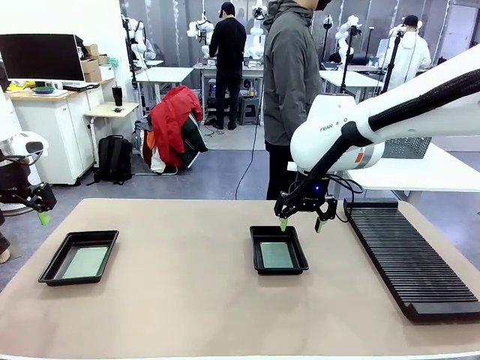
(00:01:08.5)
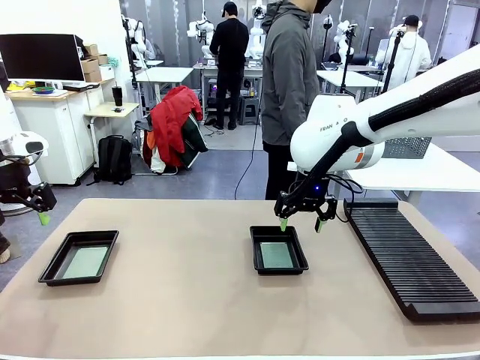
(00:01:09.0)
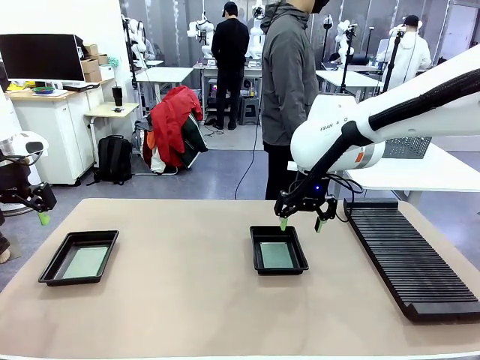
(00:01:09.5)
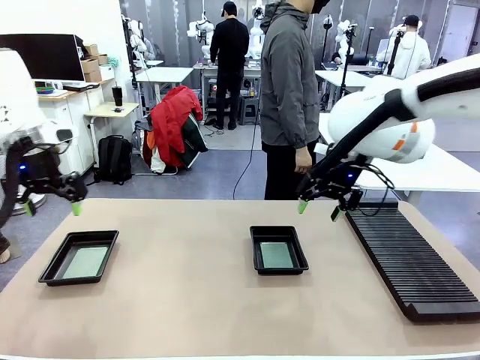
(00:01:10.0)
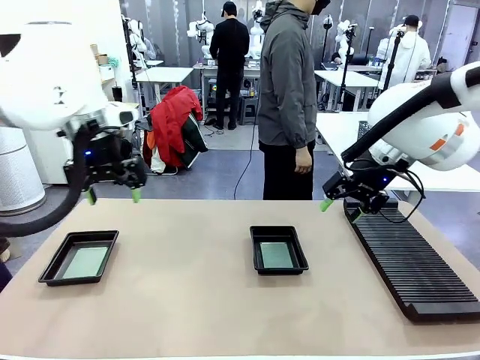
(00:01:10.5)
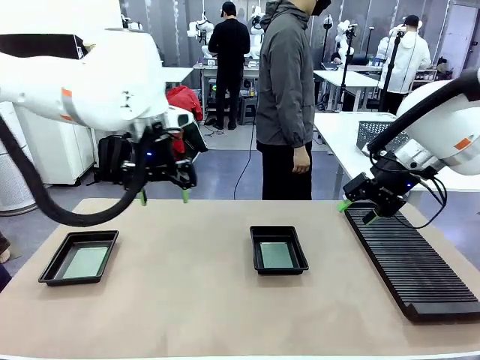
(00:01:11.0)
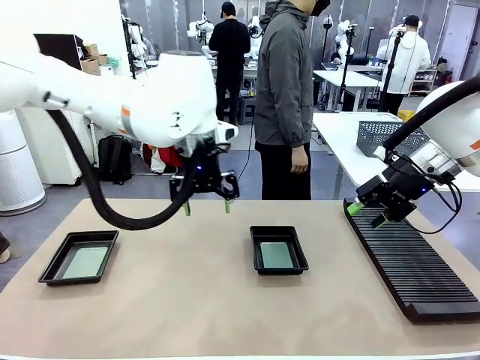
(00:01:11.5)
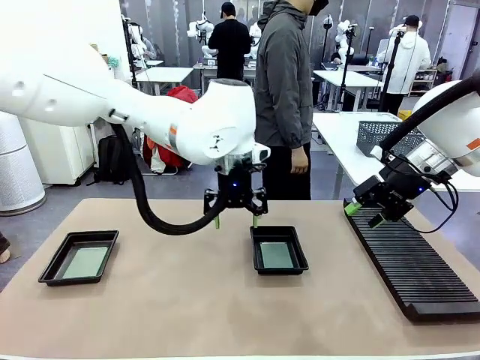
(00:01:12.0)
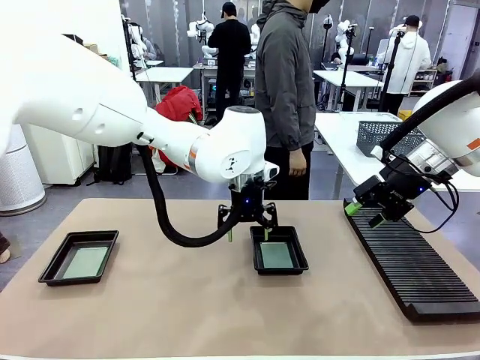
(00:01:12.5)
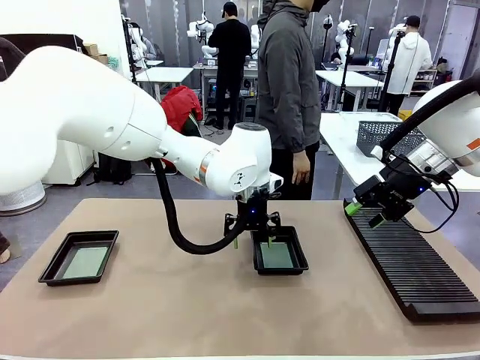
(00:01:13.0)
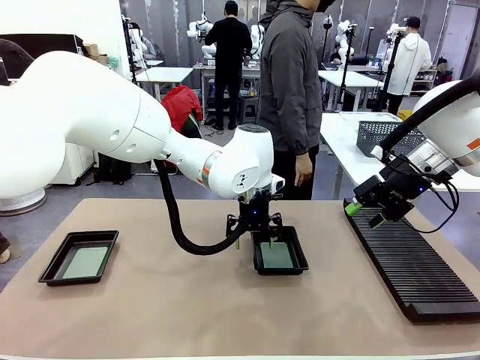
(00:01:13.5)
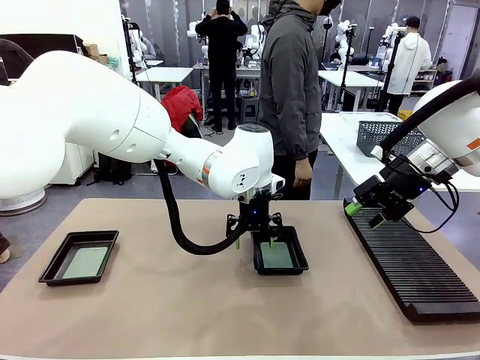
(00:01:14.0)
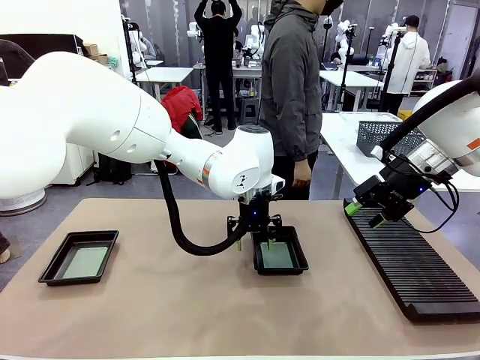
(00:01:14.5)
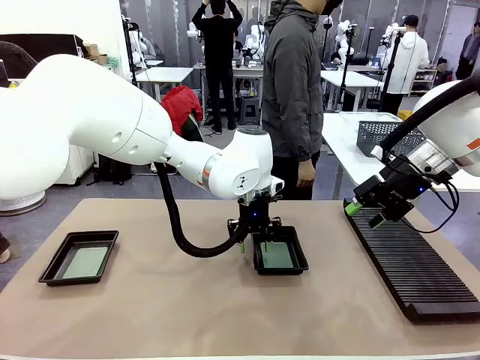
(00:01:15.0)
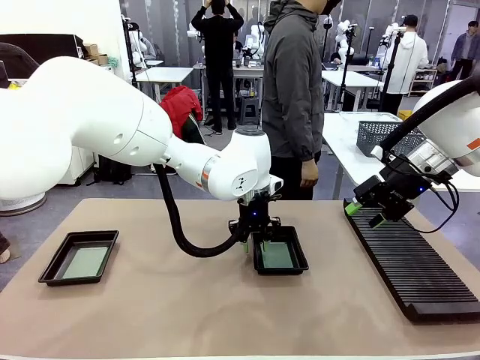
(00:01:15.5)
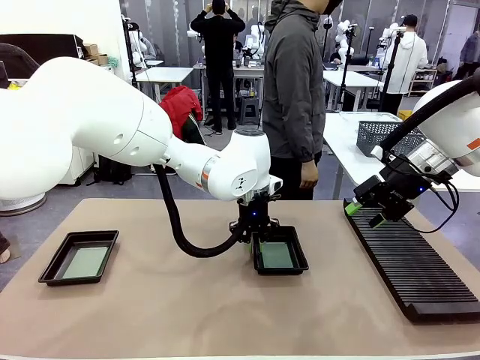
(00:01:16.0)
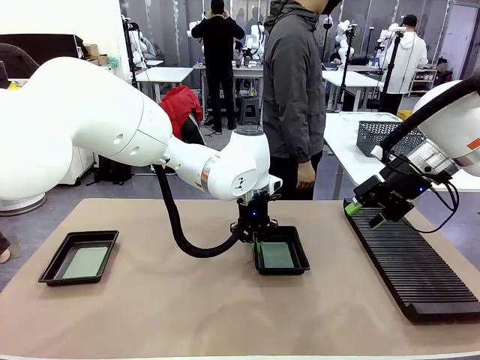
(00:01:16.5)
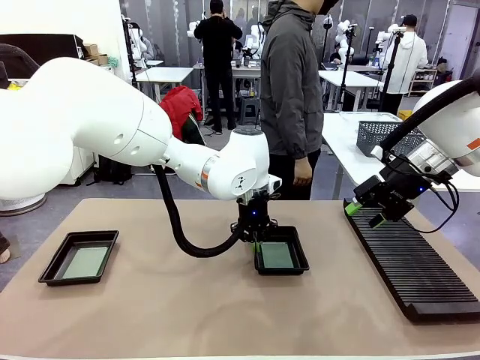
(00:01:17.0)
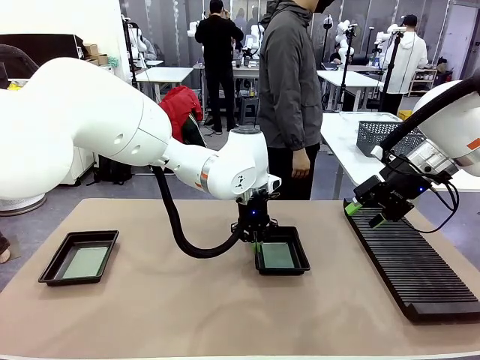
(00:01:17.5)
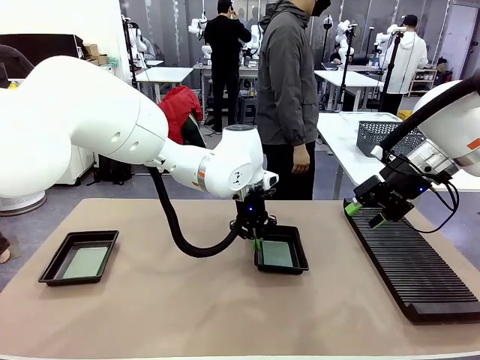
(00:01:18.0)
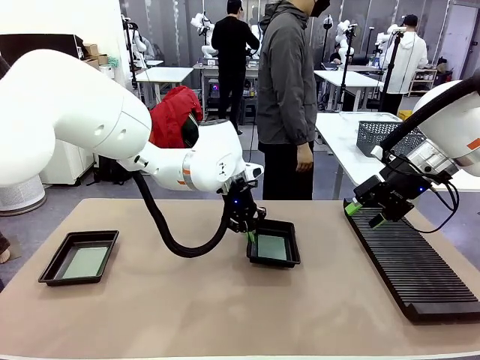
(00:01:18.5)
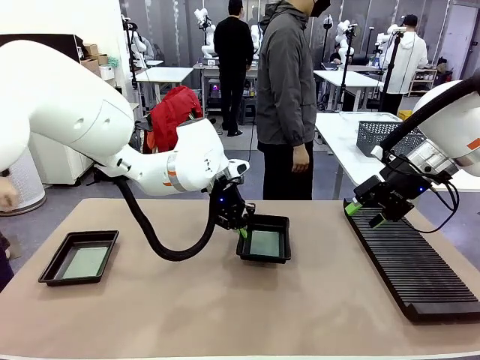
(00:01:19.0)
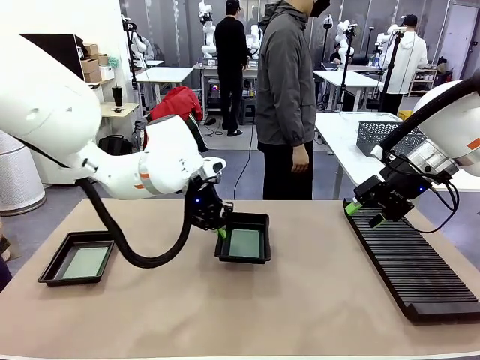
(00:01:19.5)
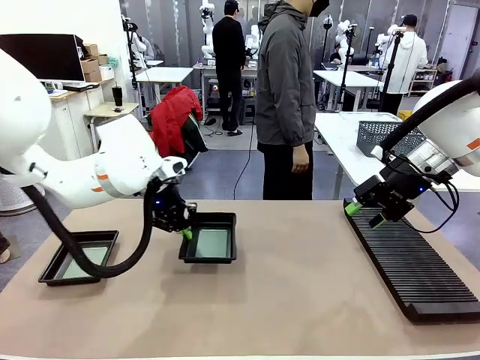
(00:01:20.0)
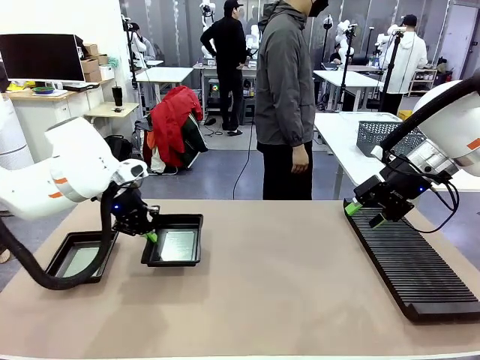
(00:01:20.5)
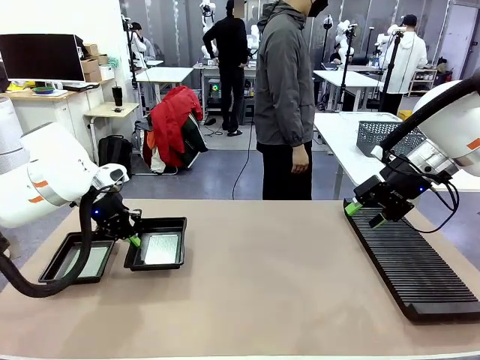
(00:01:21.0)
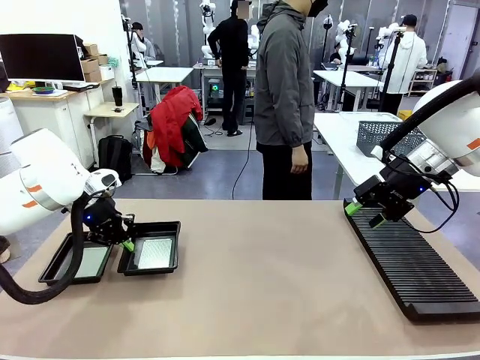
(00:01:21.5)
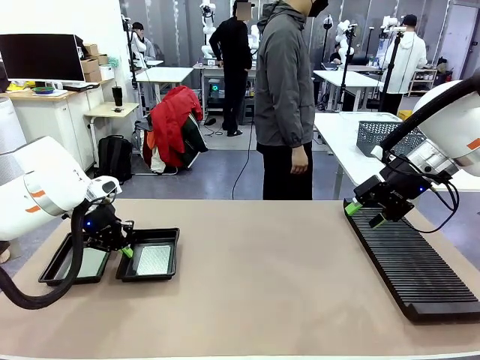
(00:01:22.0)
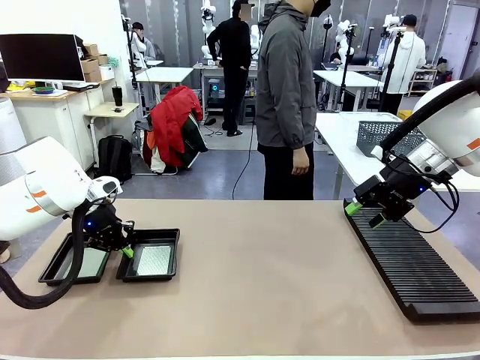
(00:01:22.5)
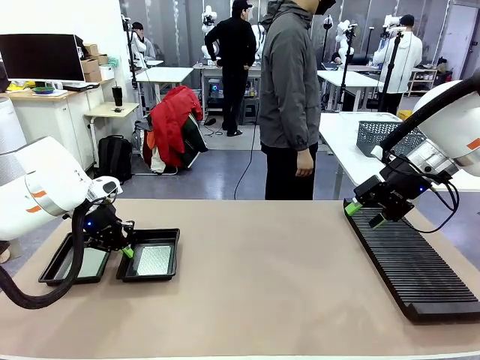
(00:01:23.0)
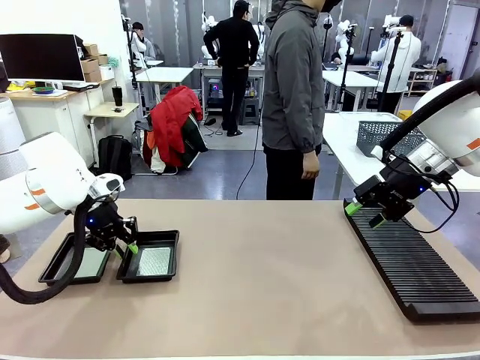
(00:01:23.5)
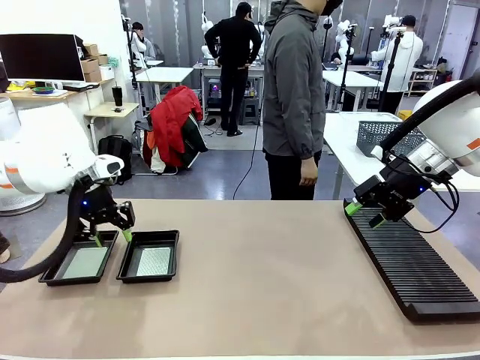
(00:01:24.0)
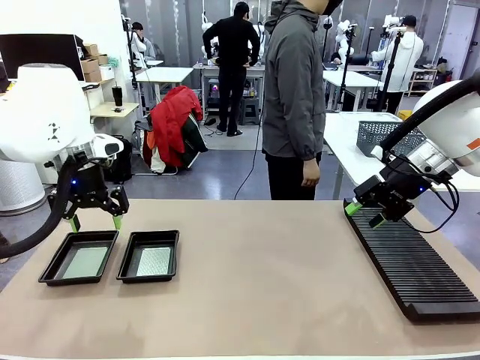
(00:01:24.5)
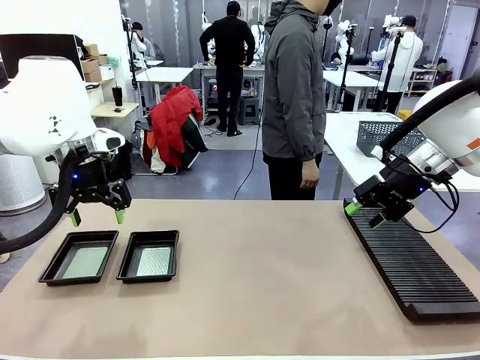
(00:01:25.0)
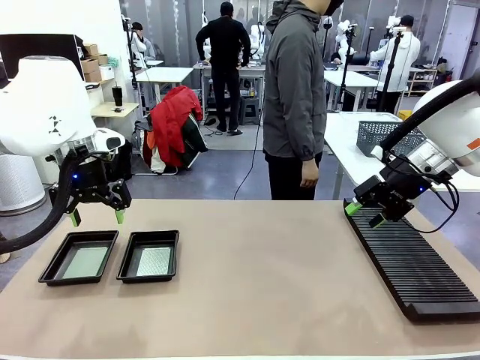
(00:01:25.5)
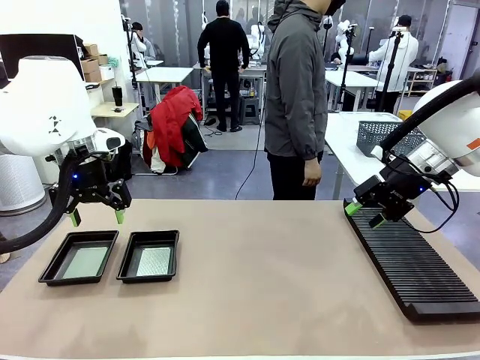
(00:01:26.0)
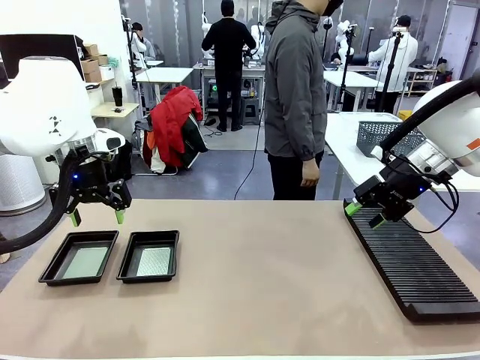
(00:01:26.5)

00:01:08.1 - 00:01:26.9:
Task: Inspect and transfer BCBs to ESD trays.
Robot: Pick up the ESD tray and place it on the left side of the table.
